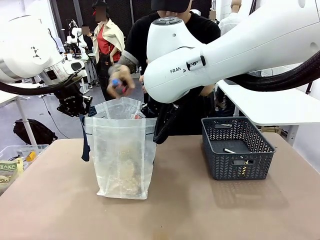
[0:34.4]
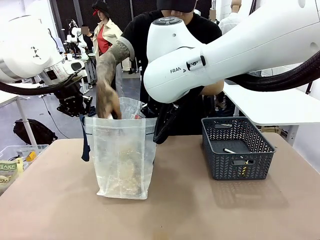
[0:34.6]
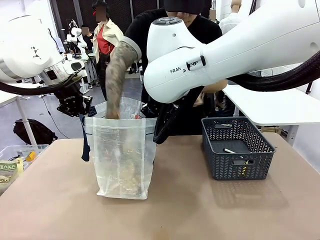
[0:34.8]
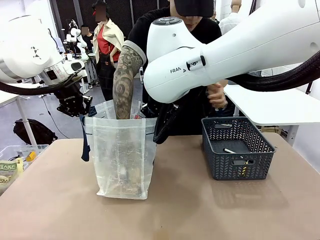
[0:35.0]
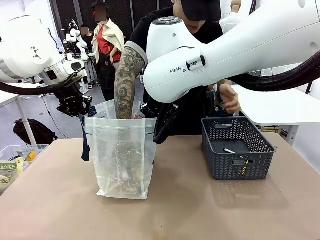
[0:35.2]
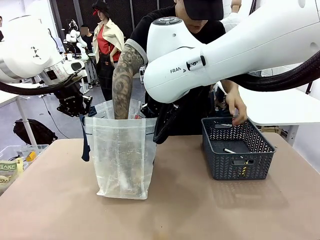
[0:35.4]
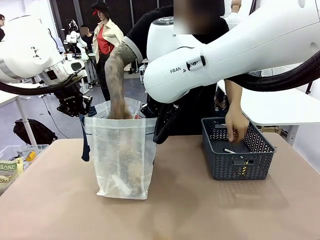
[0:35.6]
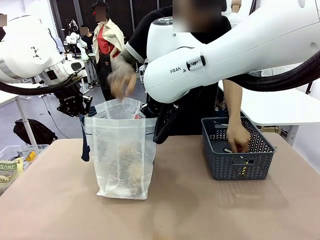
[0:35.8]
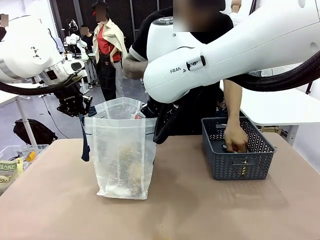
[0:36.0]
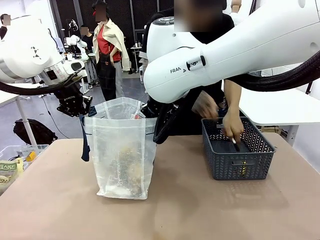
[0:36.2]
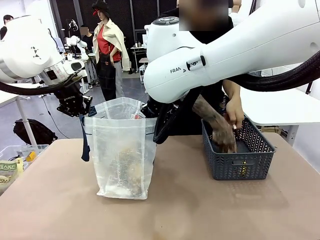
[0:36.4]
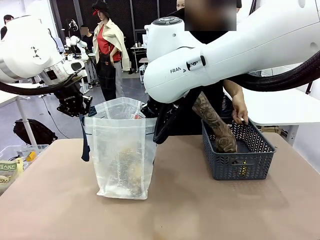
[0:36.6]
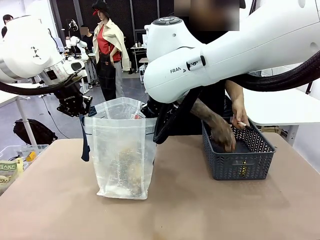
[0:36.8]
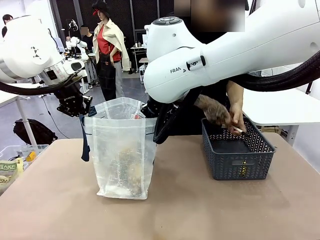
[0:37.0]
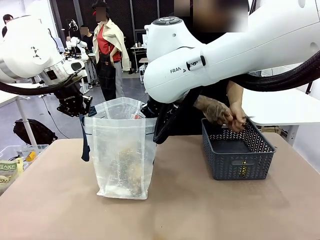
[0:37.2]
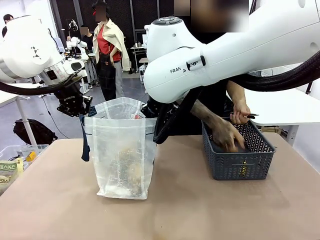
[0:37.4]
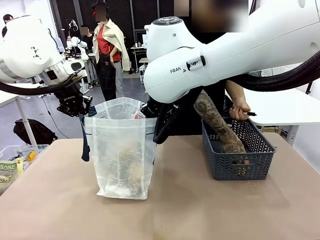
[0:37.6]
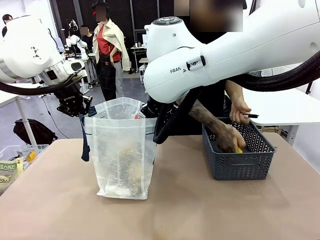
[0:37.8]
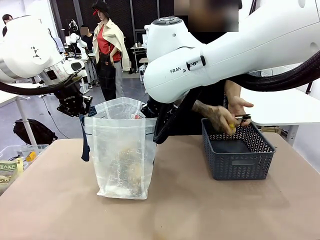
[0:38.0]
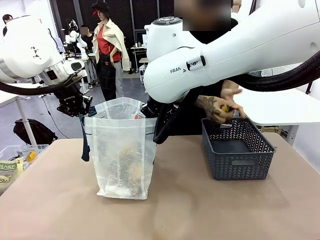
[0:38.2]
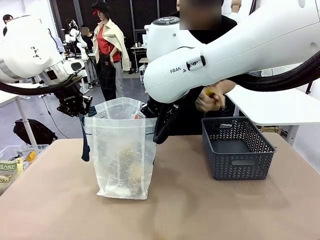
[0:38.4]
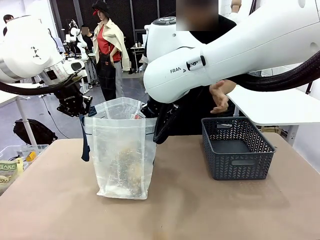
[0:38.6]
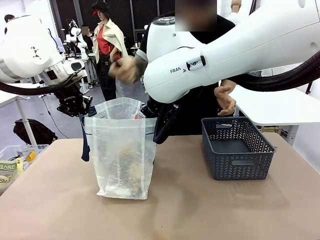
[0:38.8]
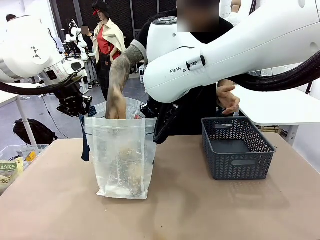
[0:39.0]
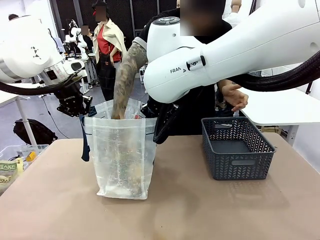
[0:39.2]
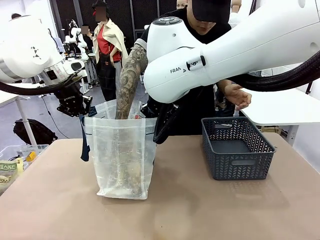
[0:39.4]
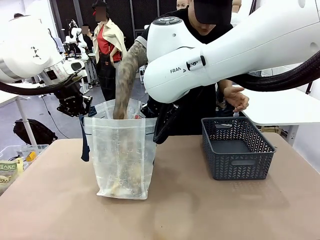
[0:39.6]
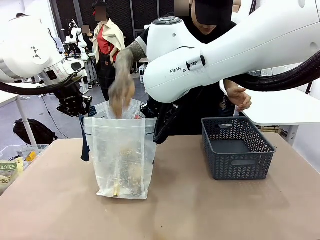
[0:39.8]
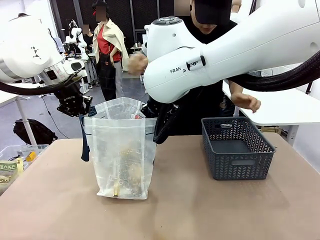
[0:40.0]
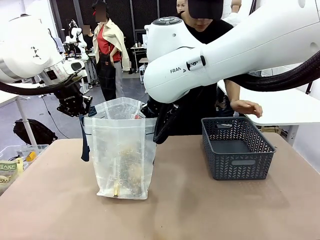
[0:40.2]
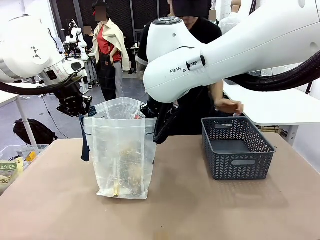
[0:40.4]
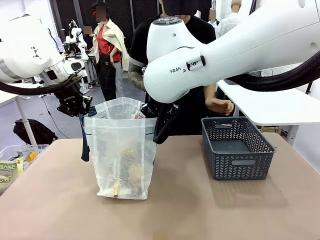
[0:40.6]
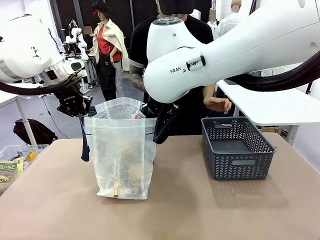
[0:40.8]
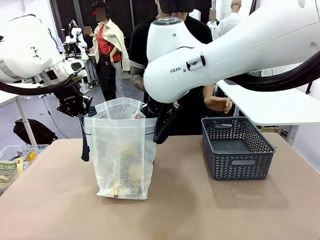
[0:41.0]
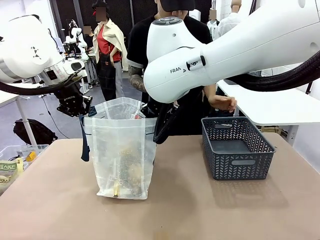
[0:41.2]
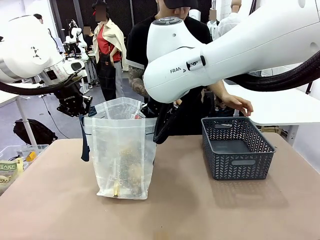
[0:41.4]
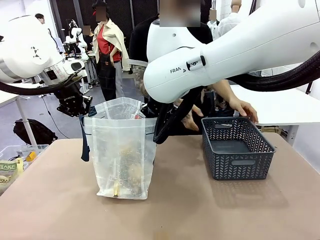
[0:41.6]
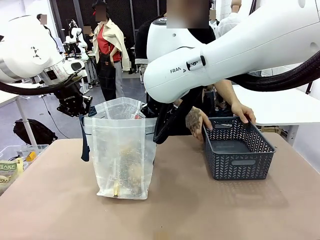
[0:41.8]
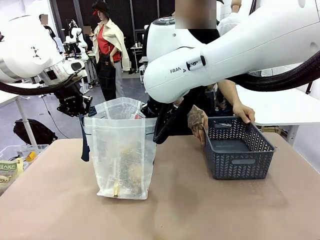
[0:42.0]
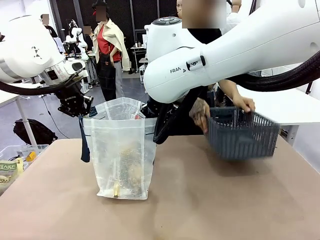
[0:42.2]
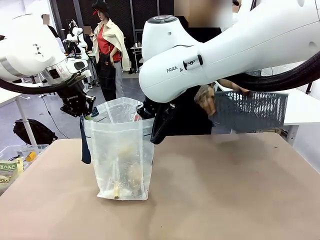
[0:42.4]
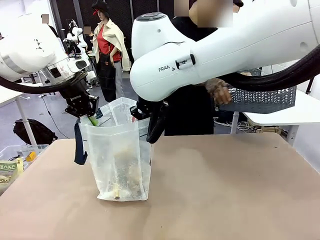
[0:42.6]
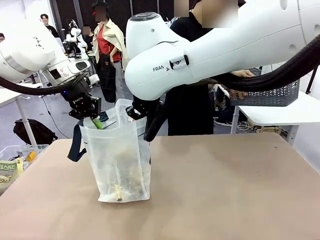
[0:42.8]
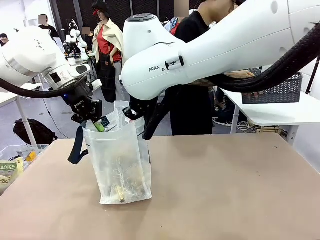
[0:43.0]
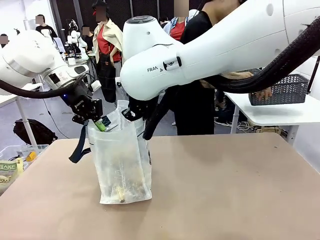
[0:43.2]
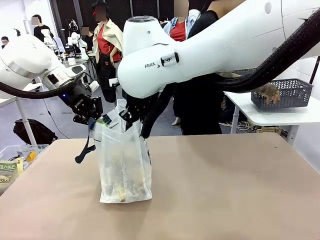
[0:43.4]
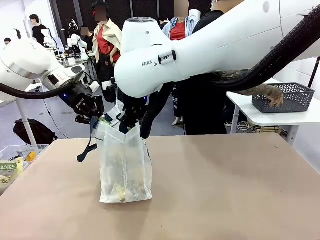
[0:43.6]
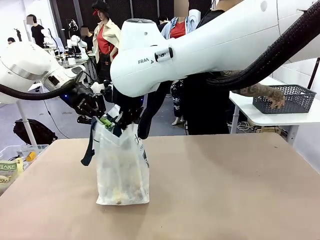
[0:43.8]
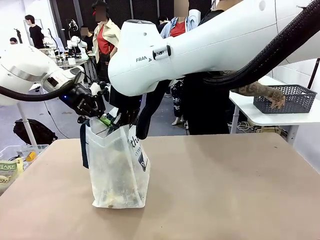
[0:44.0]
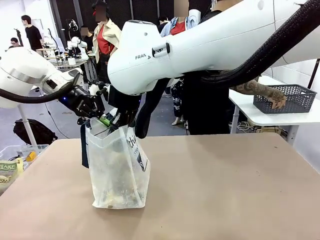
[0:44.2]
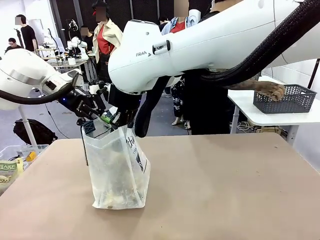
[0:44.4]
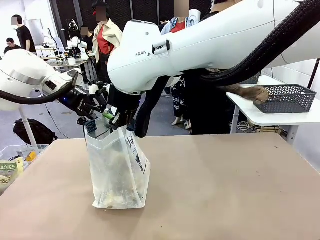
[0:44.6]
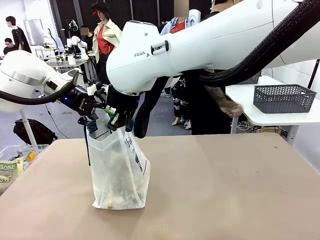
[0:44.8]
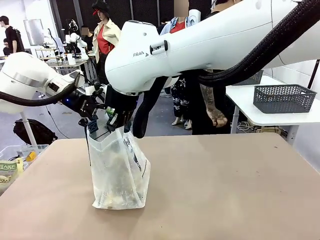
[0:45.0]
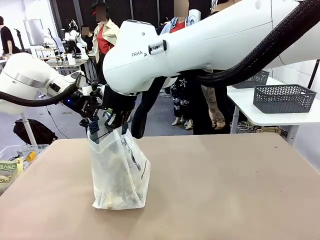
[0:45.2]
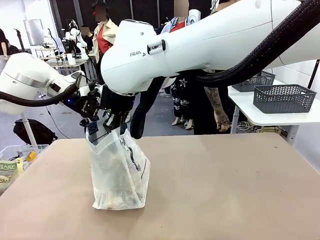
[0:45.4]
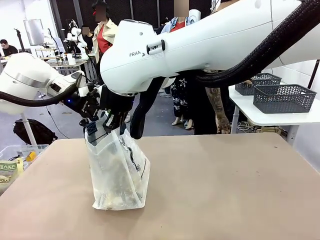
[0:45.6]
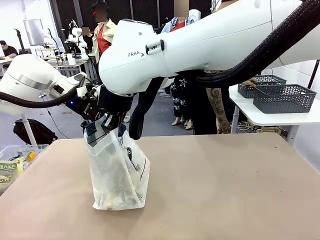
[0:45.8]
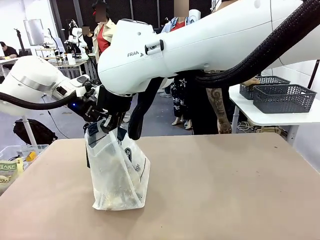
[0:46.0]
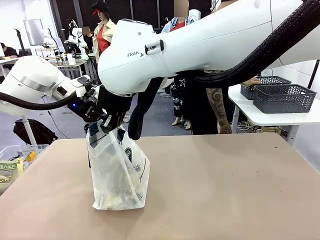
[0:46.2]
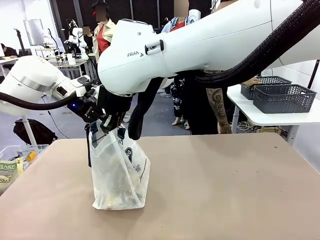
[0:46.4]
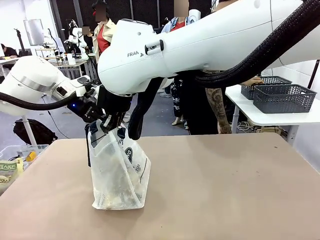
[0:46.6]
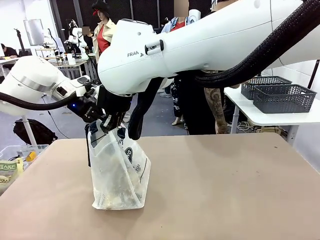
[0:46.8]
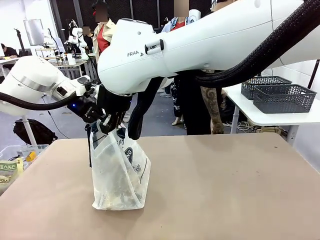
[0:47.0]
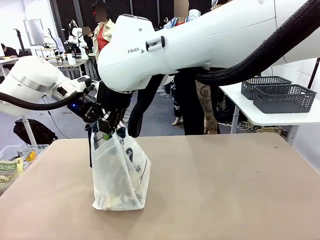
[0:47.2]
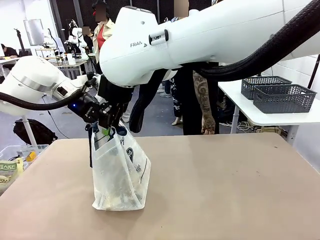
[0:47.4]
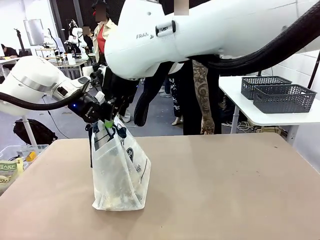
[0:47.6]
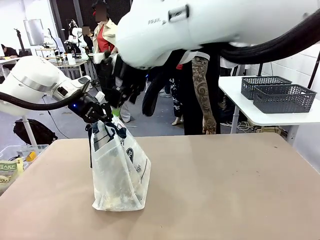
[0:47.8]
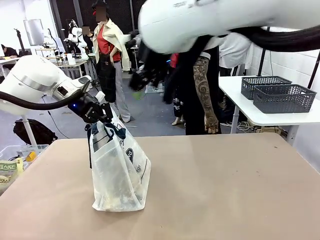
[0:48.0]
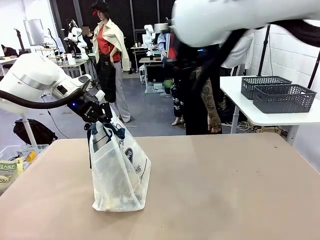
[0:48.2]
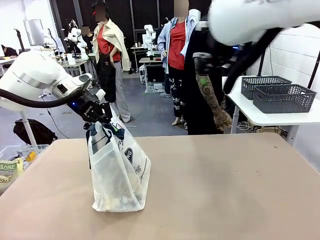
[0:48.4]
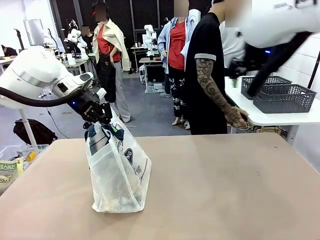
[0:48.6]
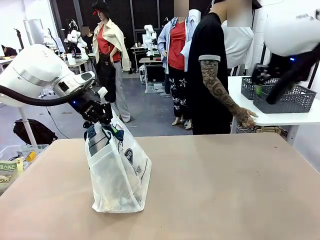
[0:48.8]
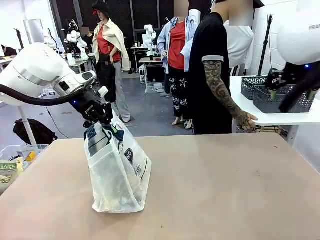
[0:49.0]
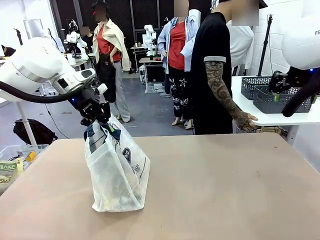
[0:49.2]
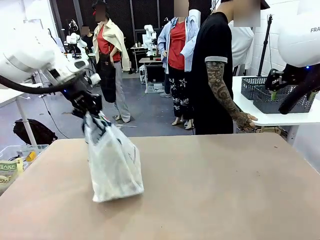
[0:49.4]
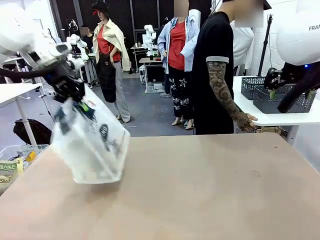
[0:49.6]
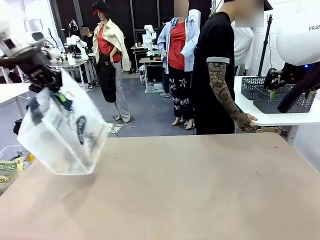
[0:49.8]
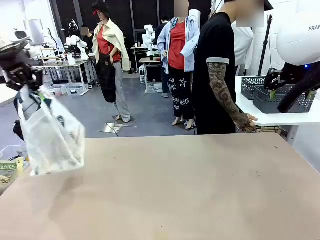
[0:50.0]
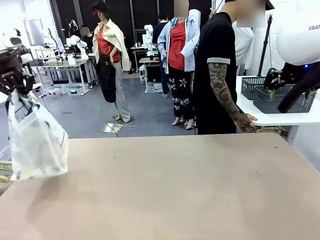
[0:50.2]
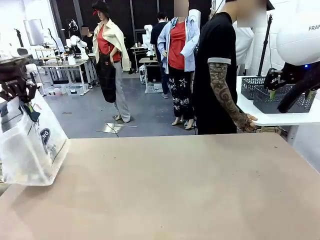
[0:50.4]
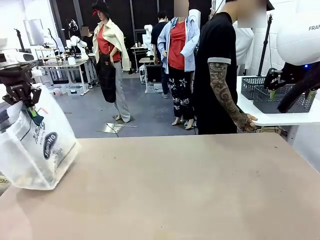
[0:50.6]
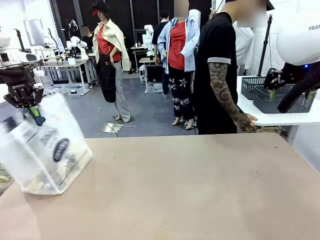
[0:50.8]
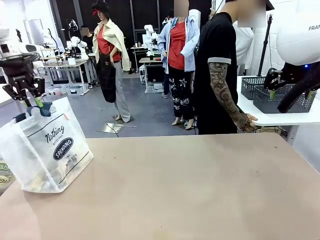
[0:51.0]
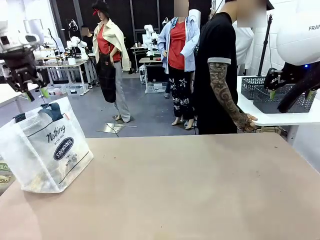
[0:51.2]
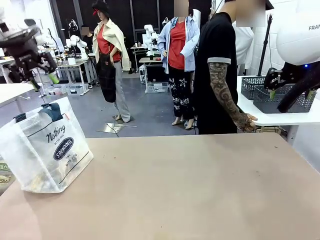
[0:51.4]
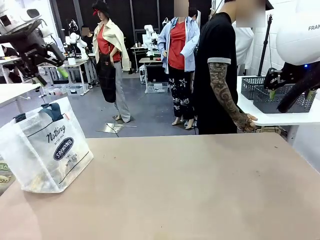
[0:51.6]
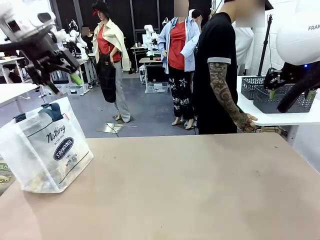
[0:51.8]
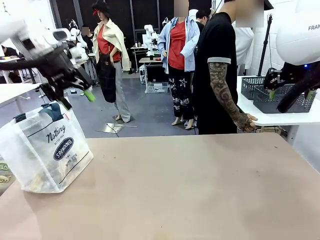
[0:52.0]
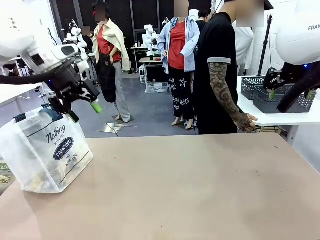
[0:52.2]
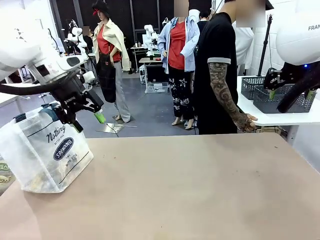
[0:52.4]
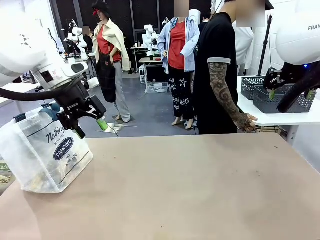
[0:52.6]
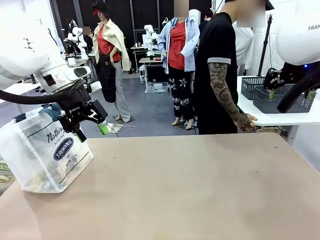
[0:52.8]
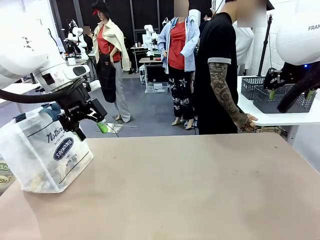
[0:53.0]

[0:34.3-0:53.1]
Task: Transfer purchased items from the store into the shopping bag.
Robot: Move the Reusable shopping bag to the right side of the table.
Person: Move the basket on the left to the middle of the person's table.
